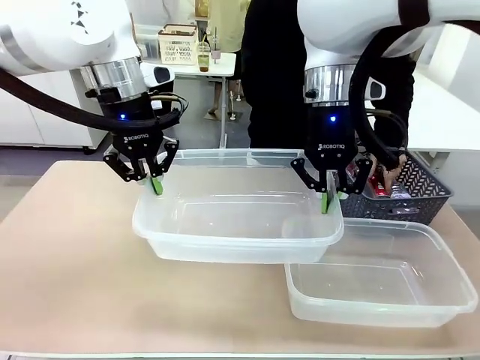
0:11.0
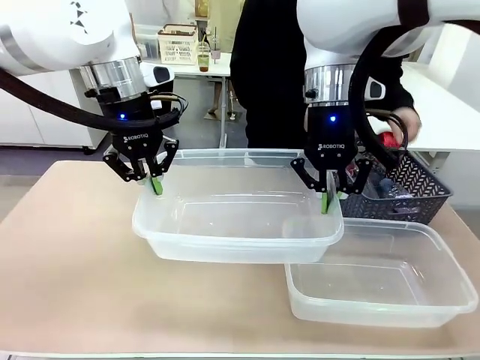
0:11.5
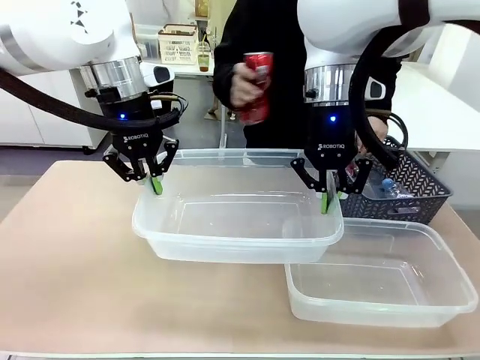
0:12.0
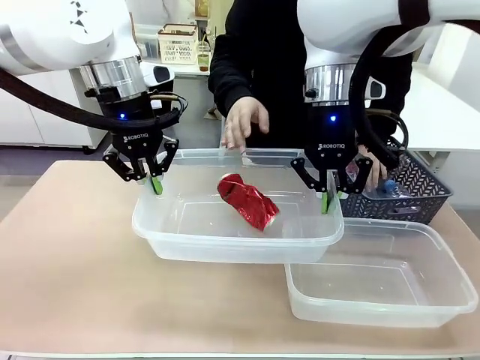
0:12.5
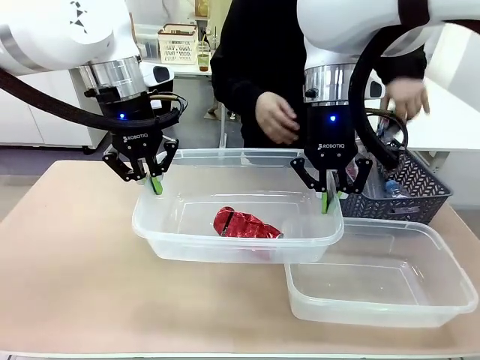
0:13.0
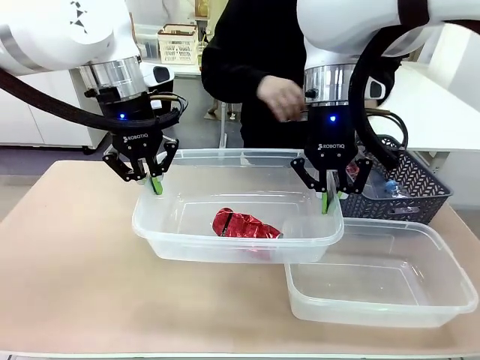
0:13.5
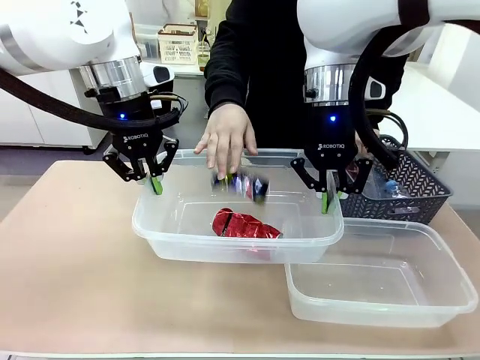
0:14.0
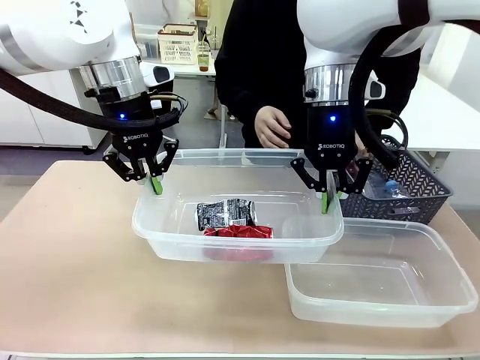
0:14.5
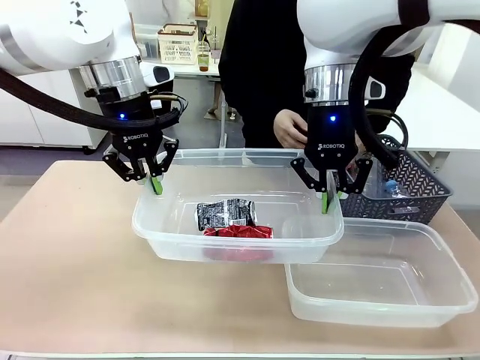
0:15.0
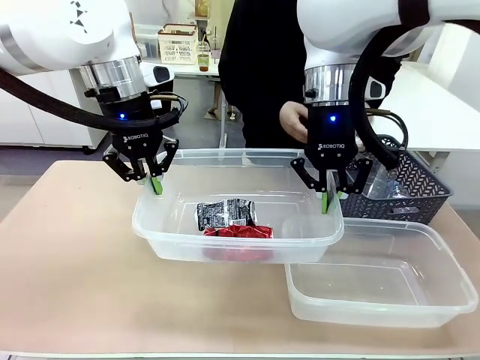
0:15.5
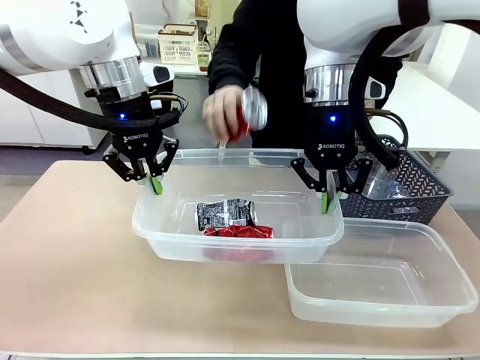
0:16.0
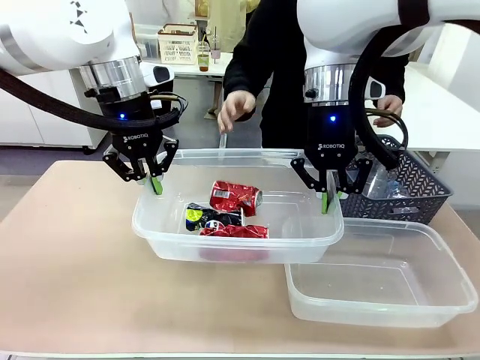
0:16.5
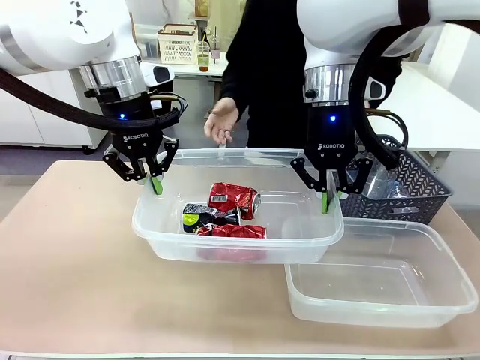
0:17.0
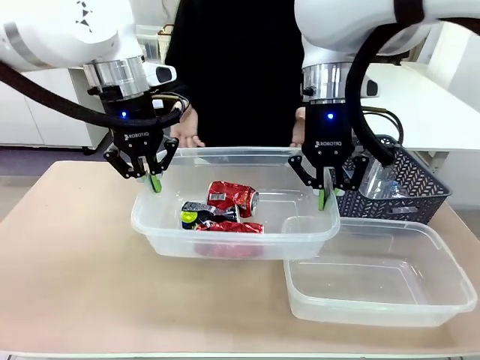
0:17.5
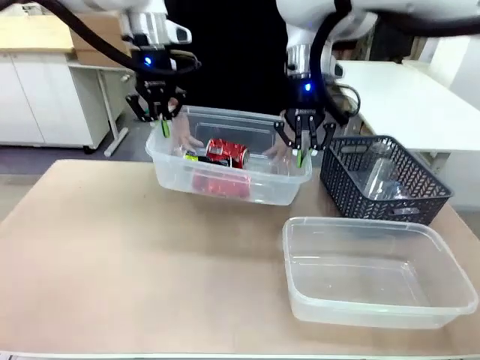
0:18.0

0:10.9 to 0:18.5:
Robot: Offer the picked Organizing box to the human.

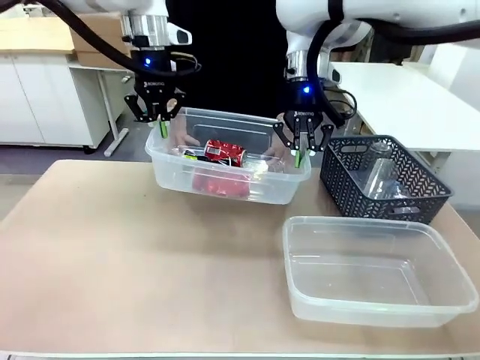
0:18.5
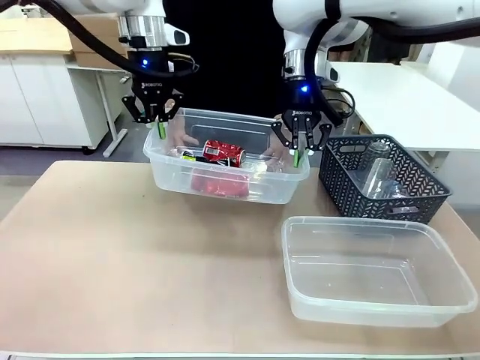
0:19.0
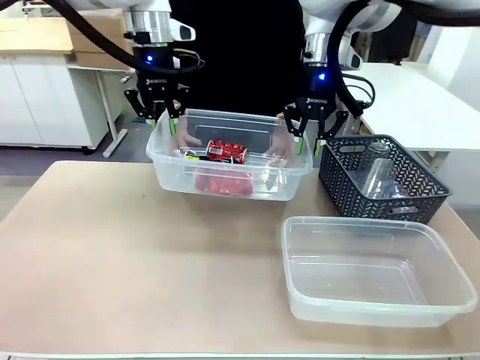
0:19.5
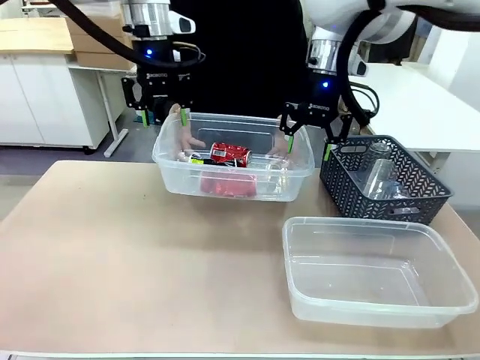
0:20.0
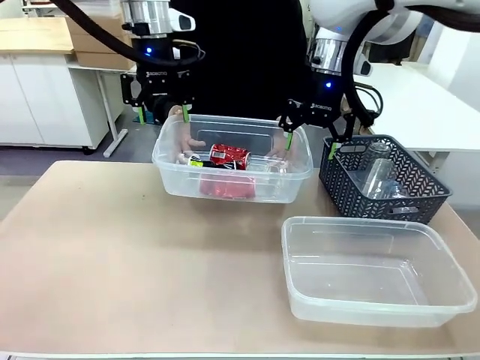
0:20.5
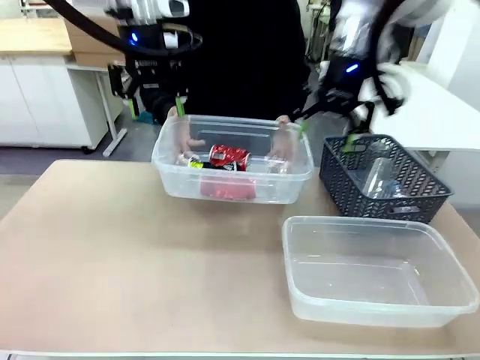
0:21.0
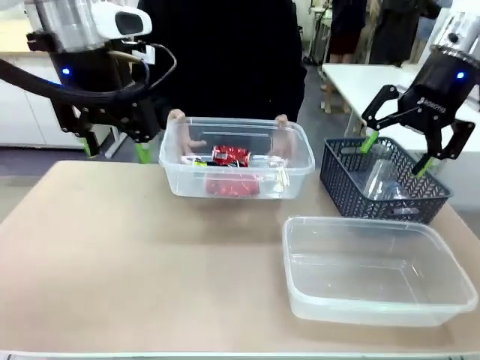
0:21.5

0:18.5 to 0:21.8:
Robot: Release the Organizing box you were holding.
Person: Pick up the organizing box extended by the robot.

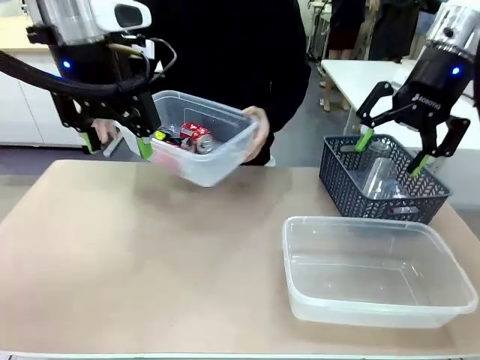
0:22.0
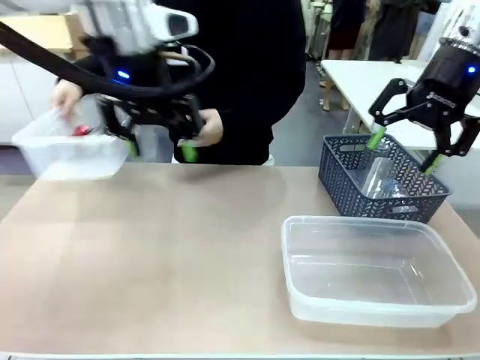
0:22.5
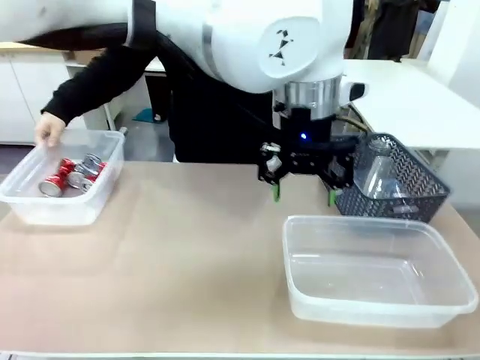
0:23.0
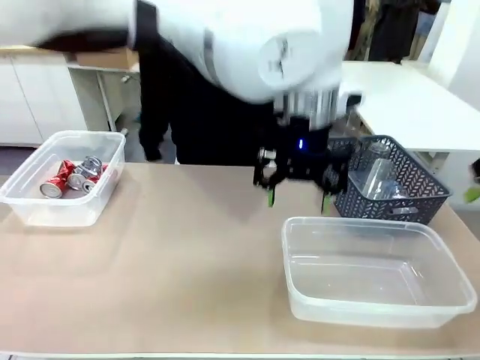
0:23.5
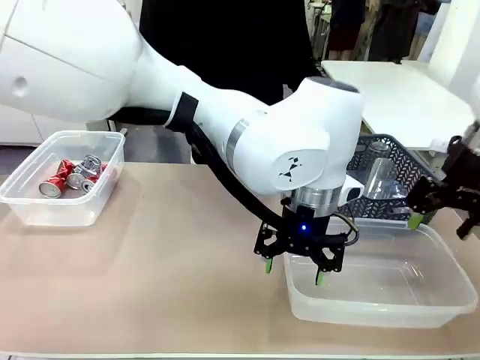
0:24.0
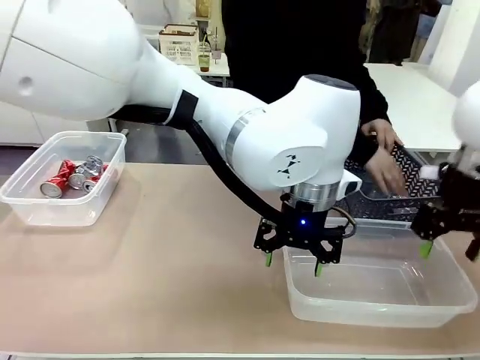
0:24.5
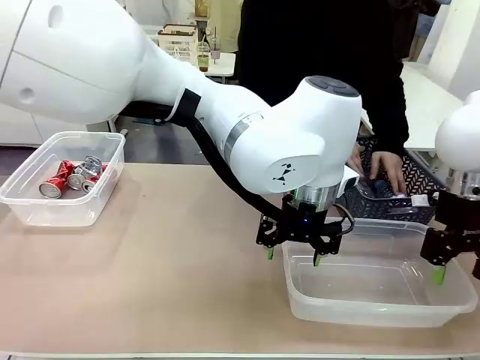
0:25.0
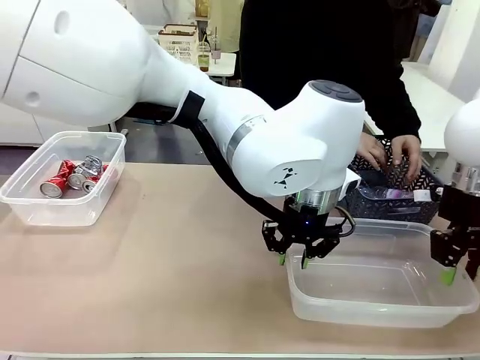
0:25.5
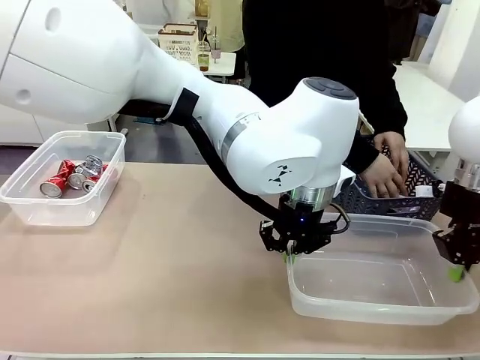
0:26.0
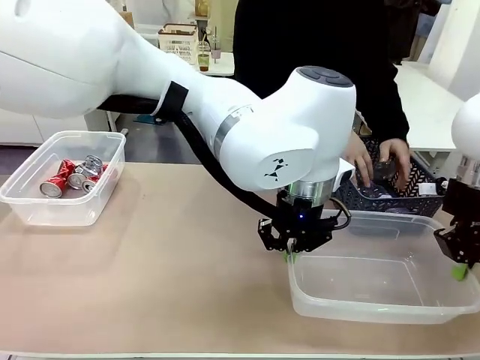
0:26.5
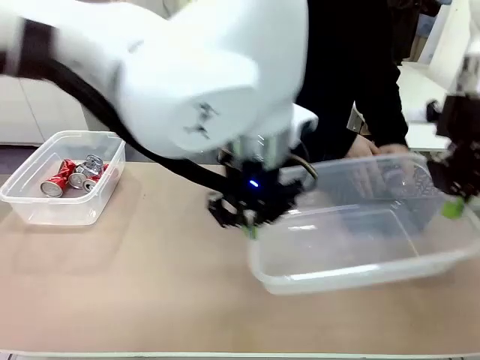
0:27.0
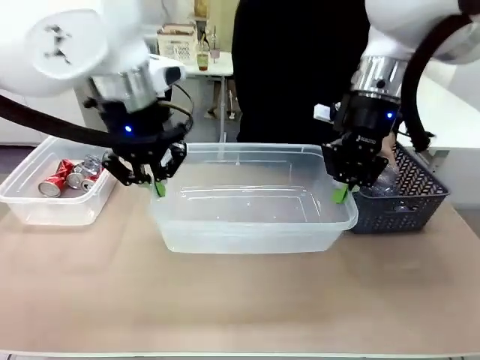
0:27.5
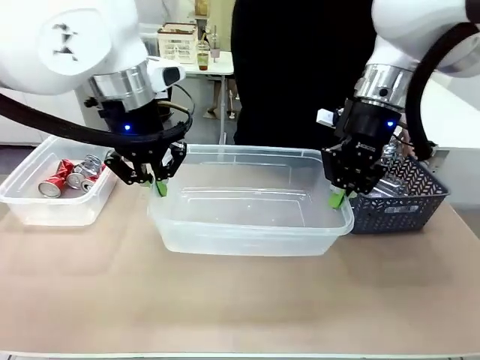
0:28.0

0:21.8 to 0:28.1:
Robot: Pick up the Organizing box on the right side of the table and lift it.
Person: Place it at the edge of the bottom right area of the robot table.

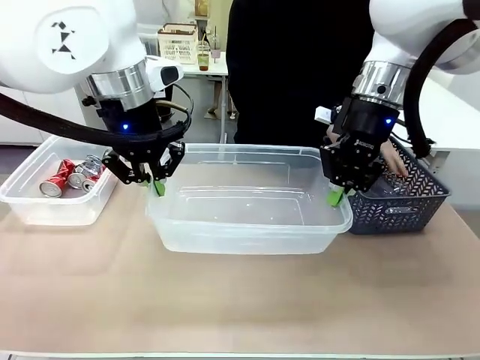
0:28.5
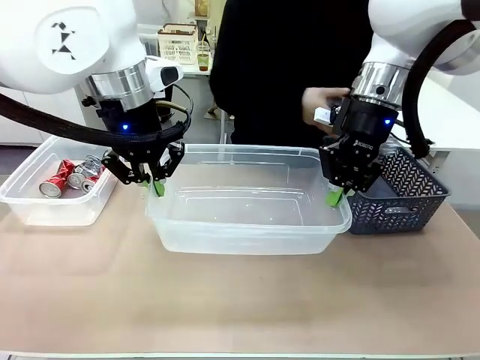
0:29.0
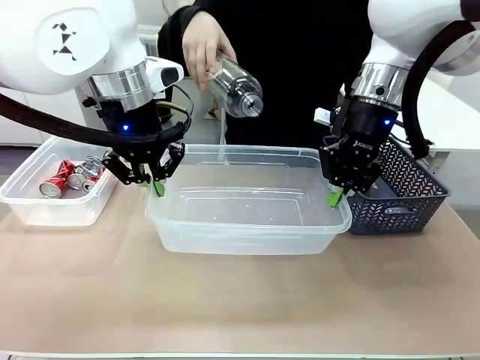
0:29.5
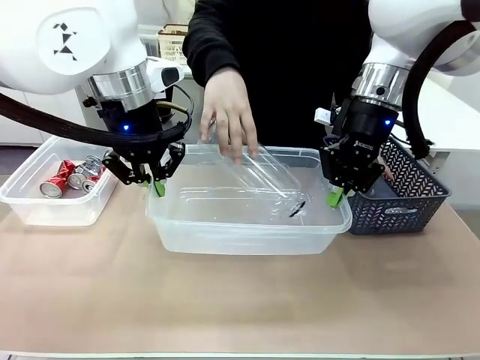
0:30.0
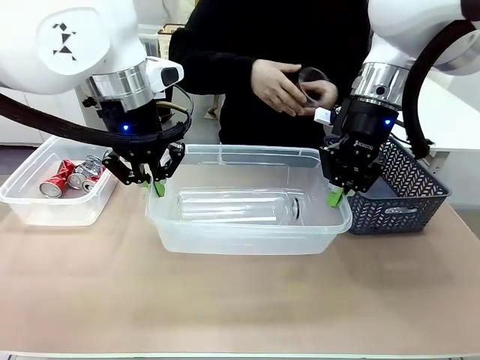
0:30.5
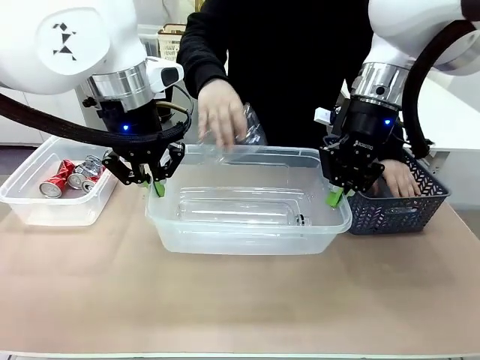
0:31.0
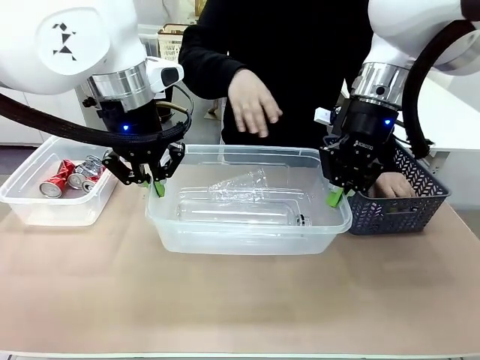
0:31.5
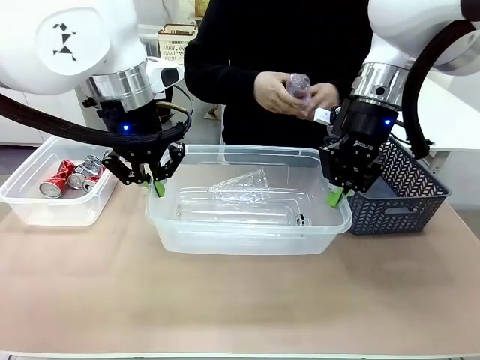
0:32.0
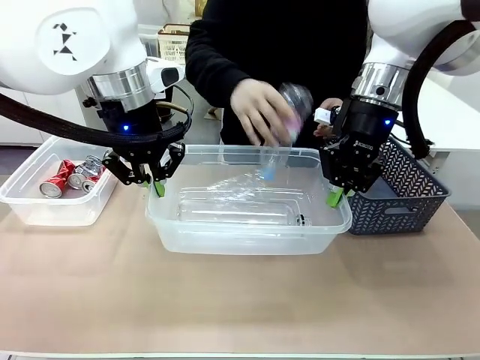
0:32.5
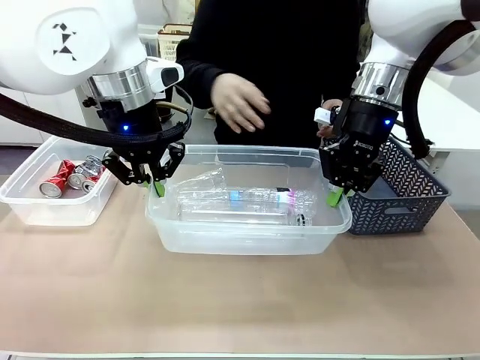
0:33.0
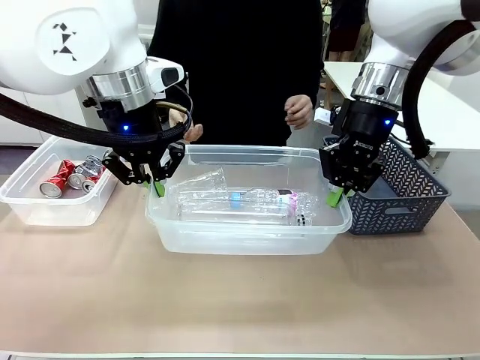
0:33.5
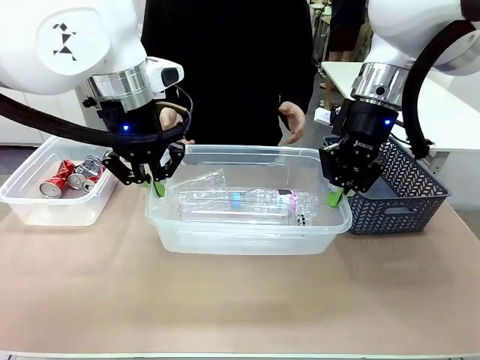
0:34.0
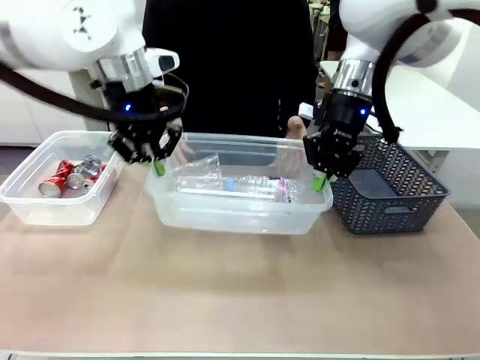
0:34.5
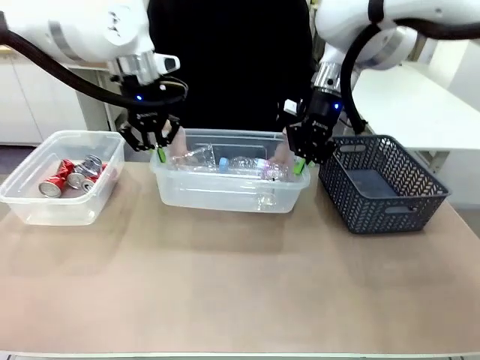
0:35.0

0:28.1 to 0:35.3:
Robot: Offer the picked Organizing box to the human.
Person: Pick up plastic waste one by one and place it into the organizing box lifted by the robot.

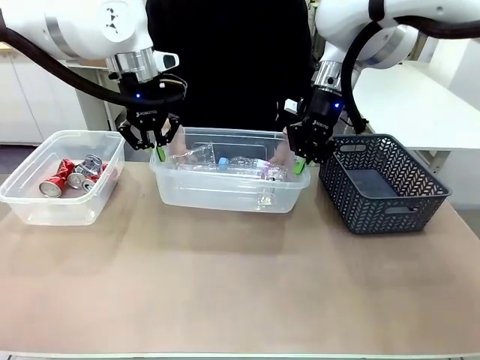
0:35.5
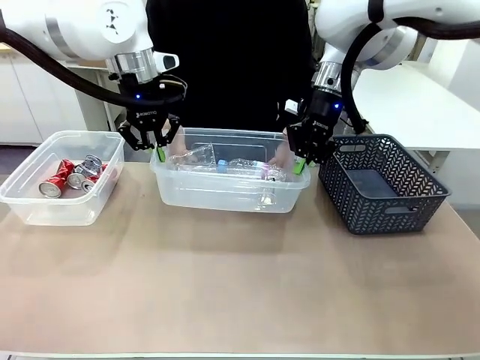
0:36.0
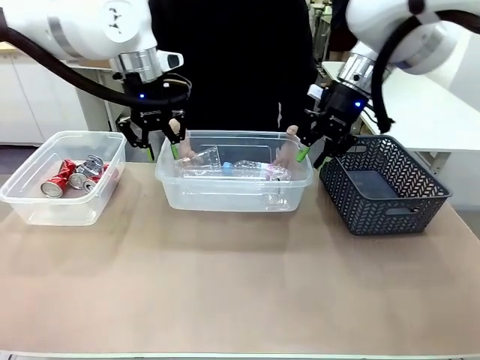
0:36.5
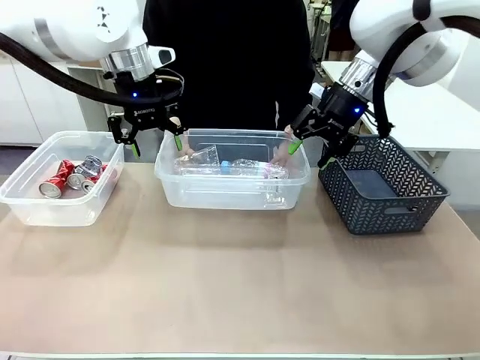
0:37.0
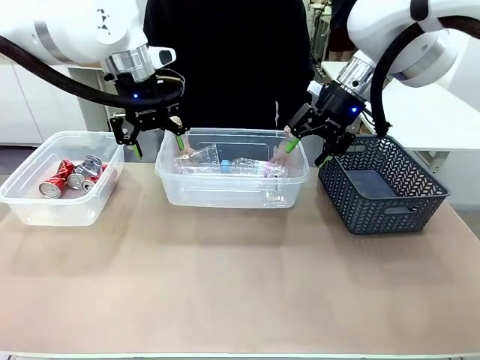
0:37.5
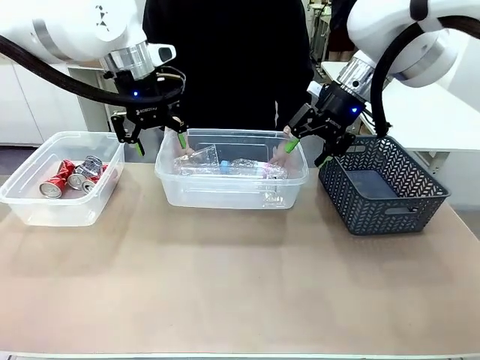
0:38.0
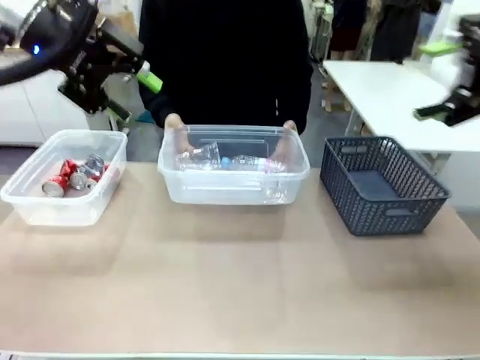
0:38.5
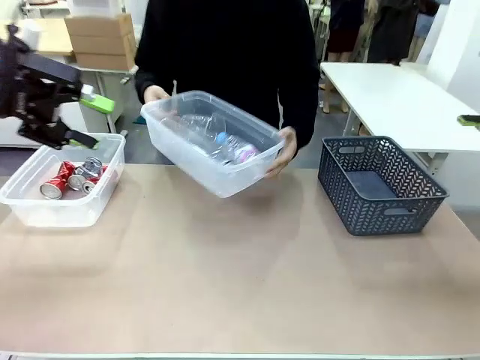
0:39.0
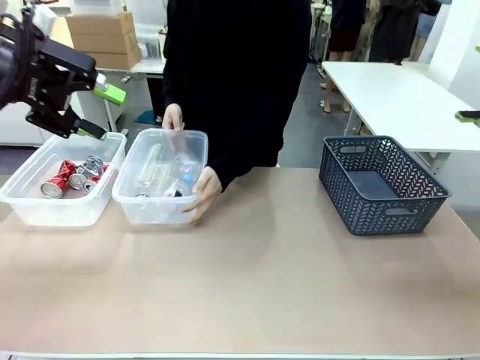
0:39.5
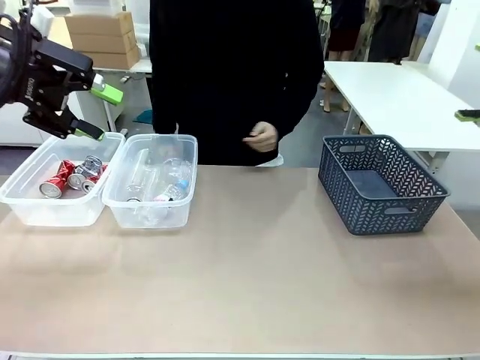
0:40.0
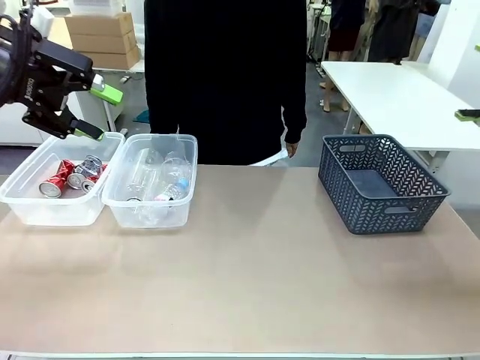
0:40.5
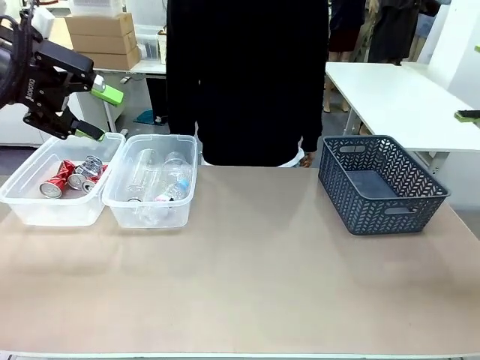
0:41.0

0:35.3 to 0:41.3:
Robot: Release the Organizing box you were holding.
Person: Pick up the organizing box extended by the robot. Place the organizing box to the left of the sorting box containing the can waste.
